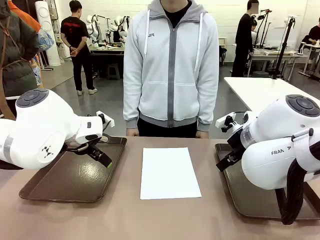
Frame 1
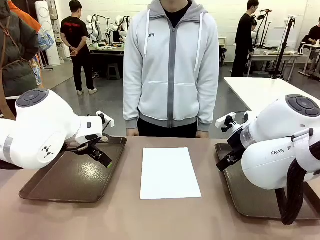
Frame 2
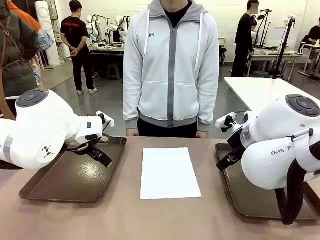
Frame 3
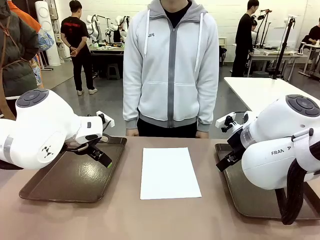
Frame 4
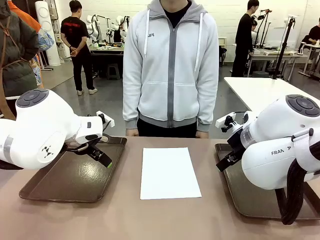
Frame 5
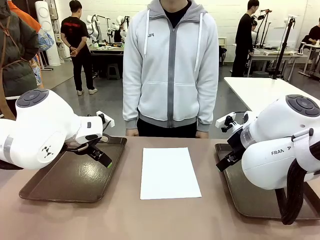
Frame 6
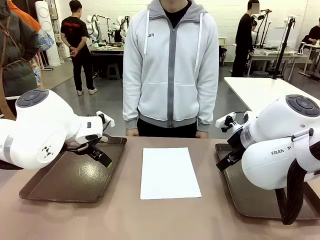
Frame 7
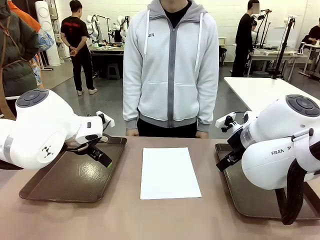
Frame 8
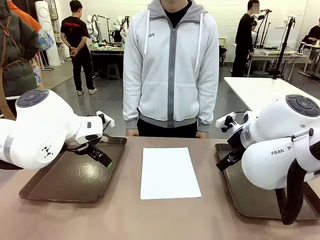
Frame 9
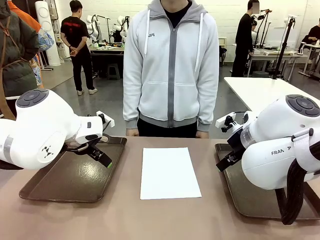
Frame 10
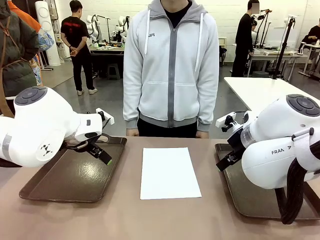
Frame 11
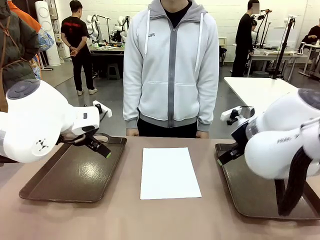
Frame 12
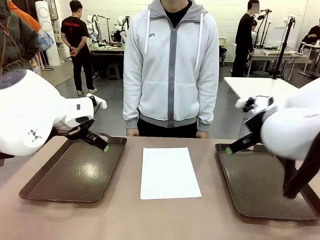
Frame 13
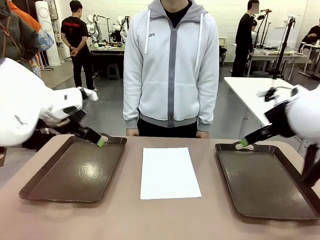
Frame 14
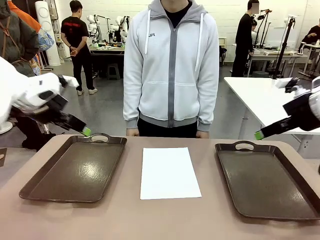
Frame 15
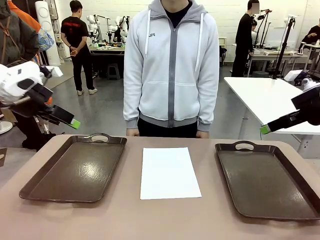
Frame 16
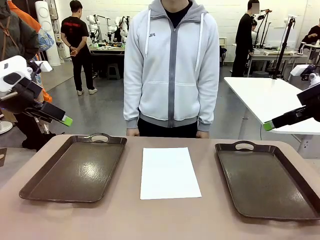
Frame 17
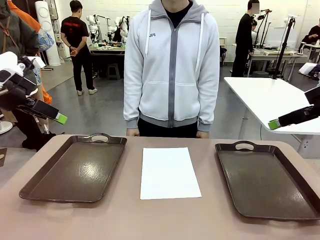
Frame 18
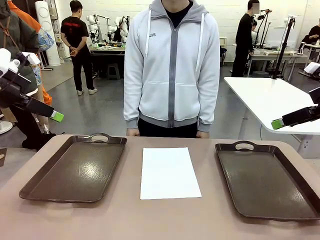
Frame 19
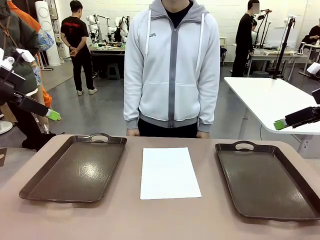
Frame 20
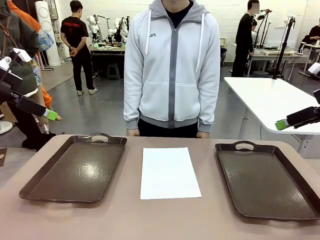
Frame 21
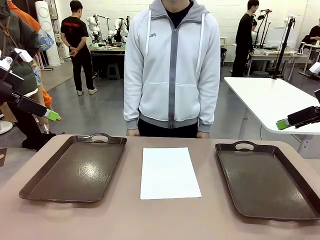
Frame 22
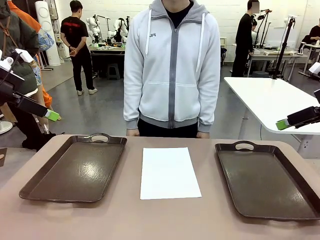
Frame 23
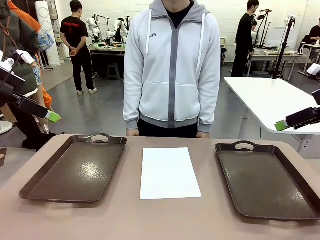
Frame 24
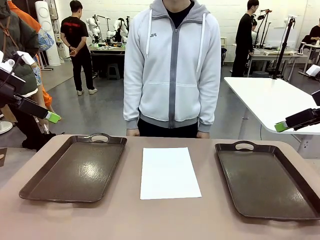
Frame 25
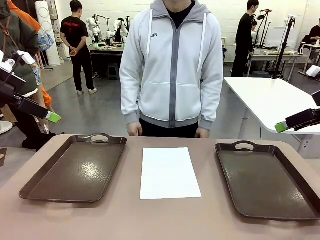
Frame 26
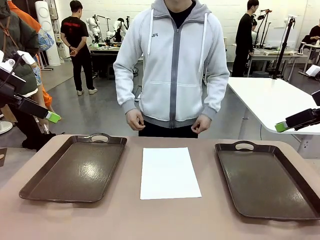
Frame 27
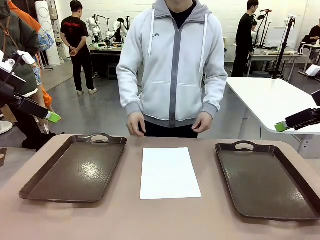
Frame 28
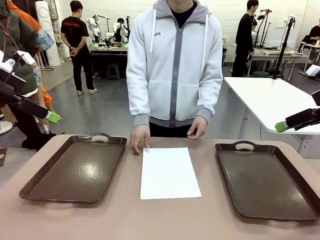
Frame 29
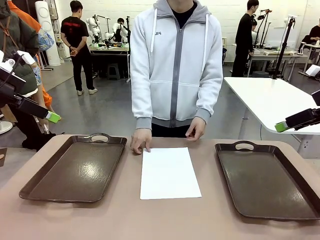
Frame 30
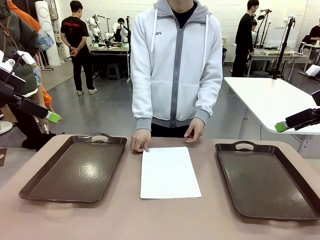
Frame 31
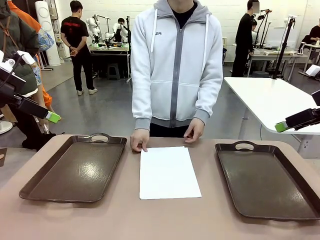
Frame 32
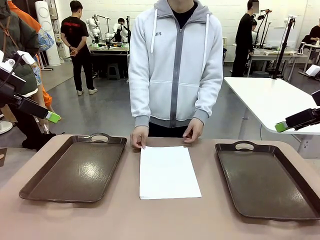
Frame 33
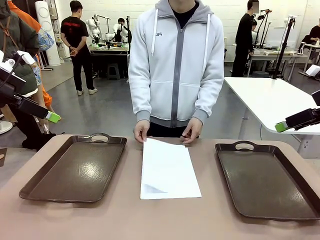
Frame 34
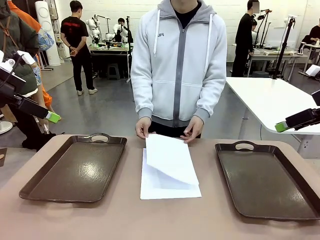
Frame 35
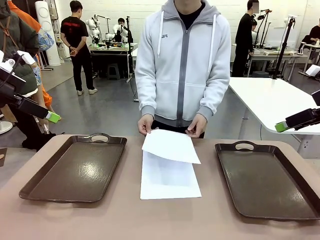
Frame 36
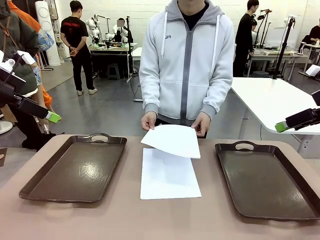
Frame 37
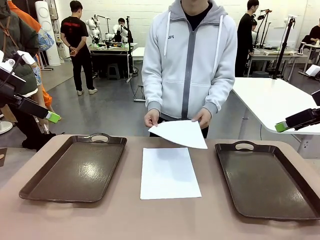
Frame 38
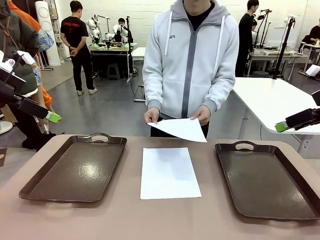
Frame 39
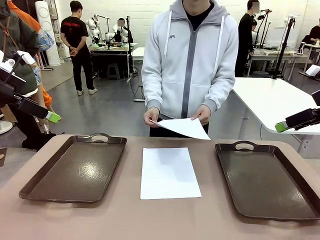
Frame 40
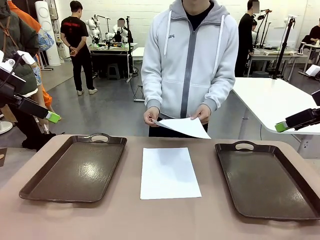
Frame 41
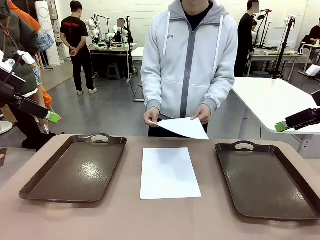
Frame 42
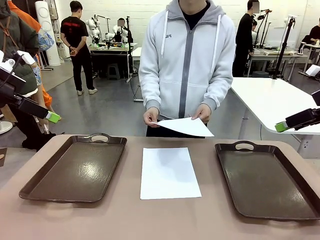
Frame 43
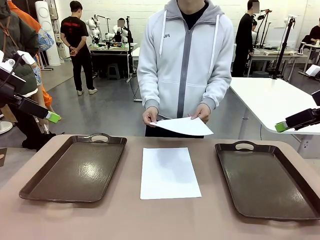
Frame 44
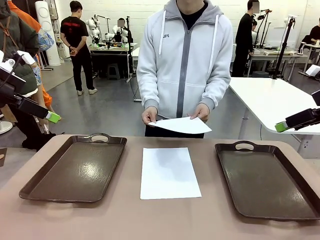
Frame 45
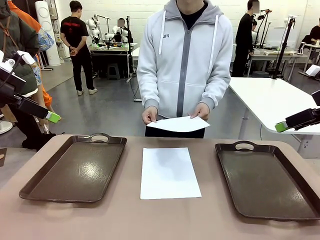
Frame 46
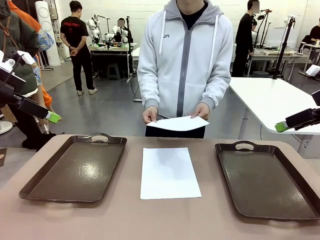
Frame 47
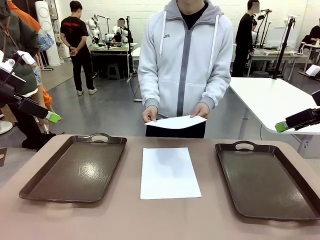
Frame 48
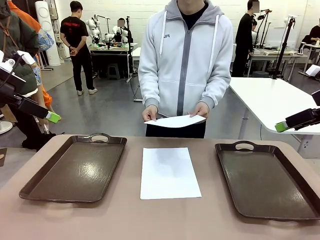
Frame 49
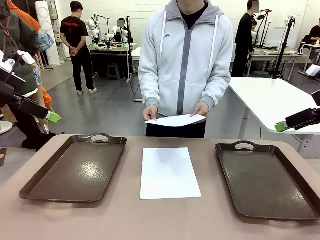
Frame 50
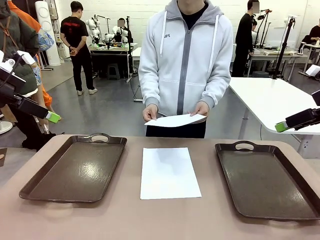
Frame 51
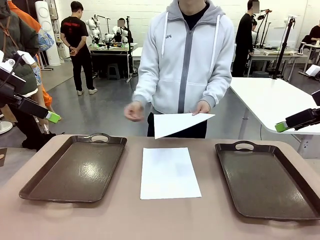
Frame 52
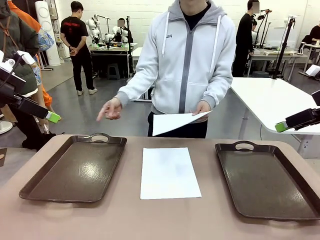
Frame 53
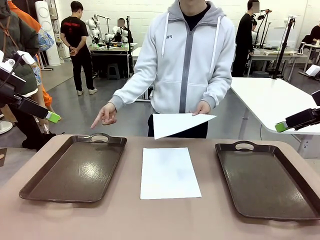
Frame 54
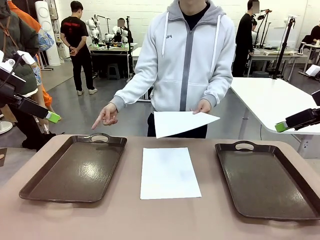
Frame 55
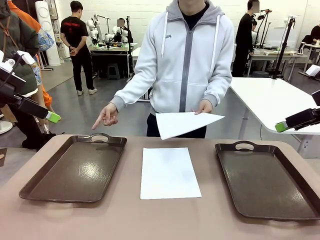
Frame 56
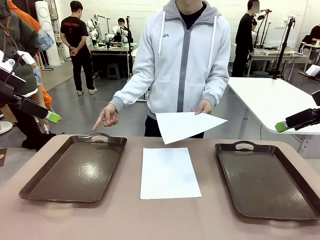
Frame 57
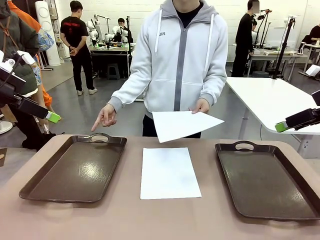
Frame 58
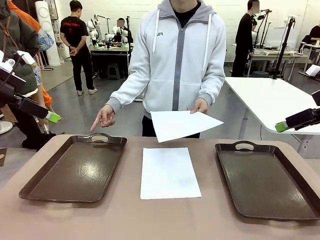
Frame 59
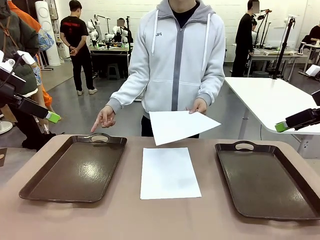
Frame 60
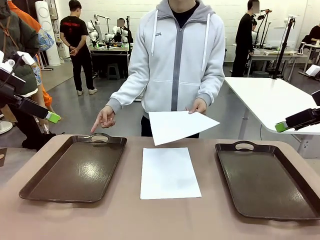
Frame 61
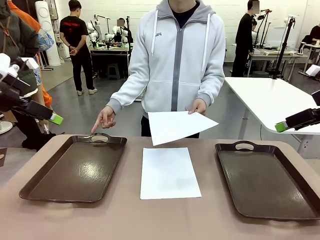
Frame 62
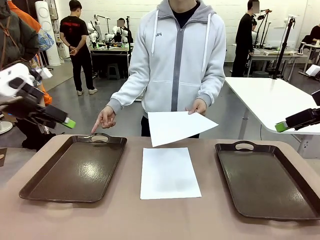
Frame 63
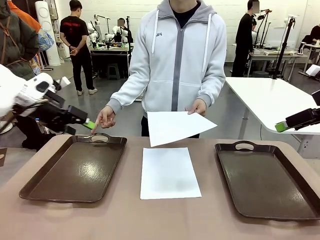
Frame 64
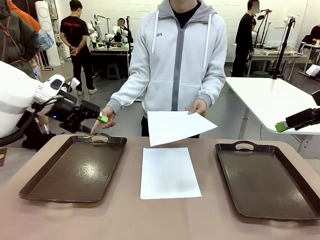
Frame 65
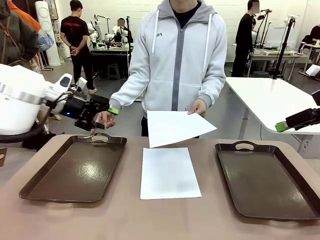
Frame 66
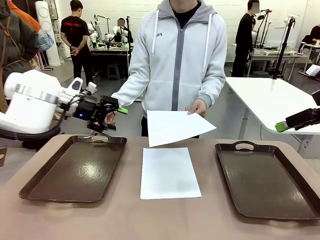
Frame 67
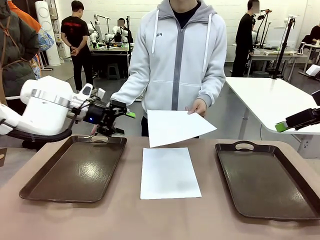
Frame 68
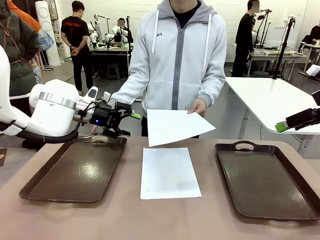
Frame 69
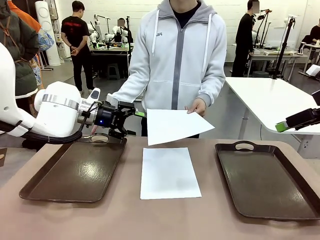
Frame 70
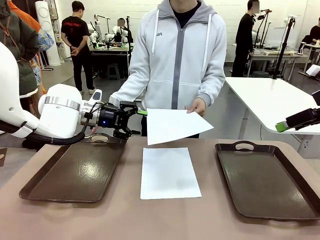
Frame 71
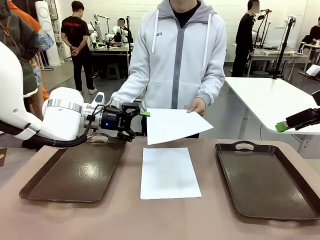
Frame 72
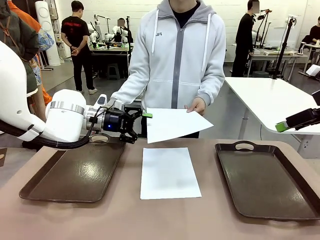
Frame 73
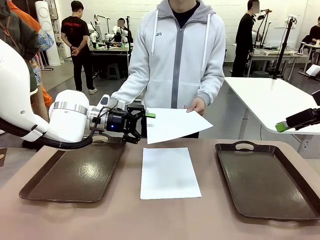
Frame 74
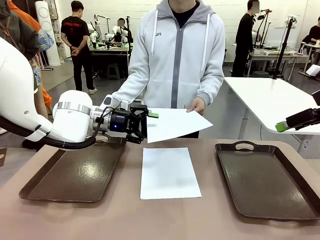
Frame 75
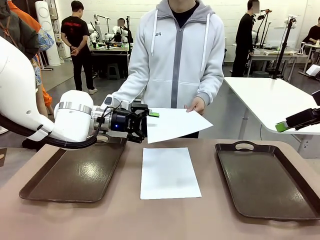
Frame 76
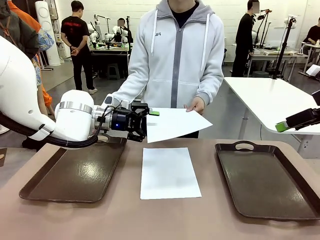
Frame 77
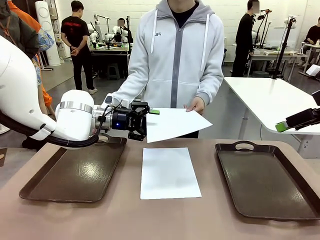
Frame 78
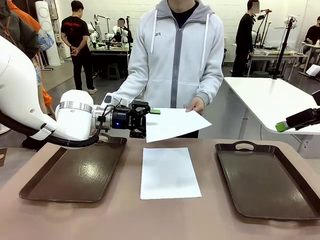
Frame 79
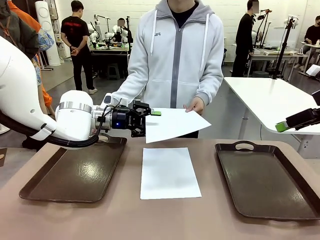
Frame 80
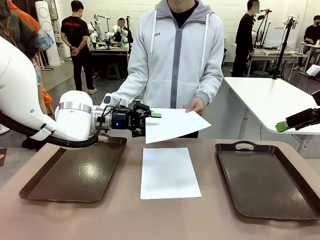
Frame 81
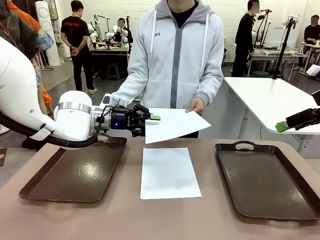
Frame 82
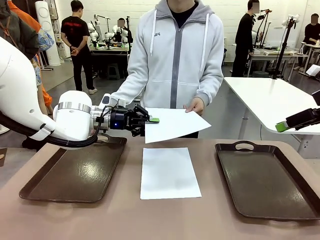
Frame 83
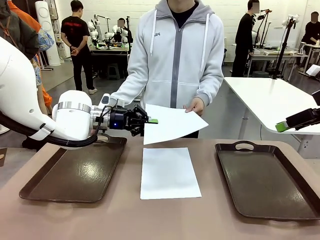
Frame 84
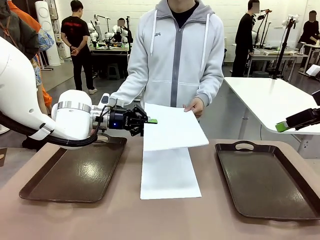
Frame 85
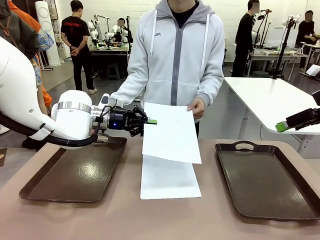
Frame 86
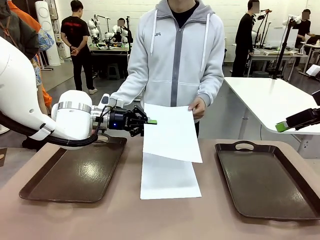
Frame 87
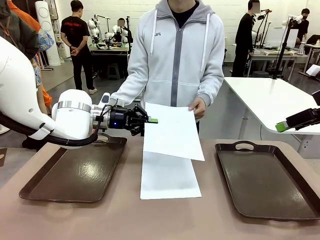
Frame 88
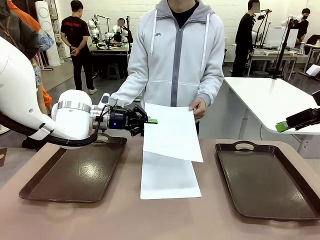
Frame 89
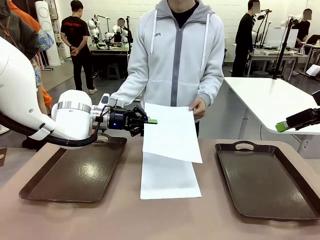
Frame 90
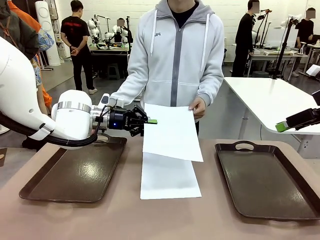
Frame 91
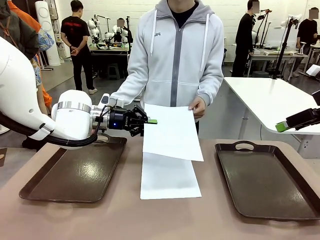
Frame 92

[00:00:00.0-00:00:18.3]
Task: Sort the A4 documents.
Robot: Receive the A4 Paper.
Person: Pick up a sheet of paper from the center of the table and hand it to the robot. Point the randomly selected tray with the other hand.
